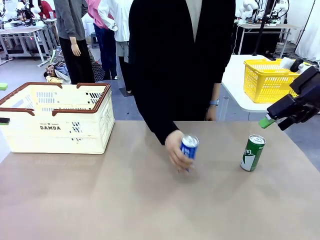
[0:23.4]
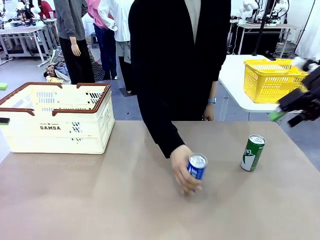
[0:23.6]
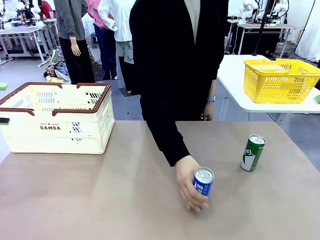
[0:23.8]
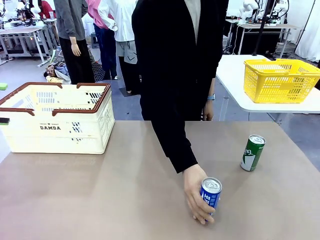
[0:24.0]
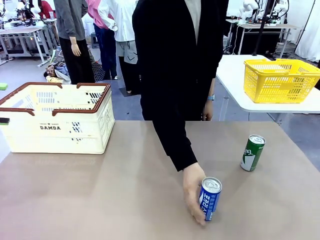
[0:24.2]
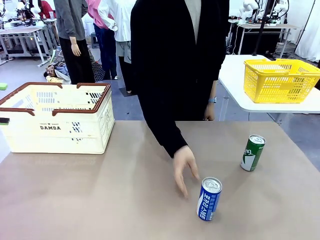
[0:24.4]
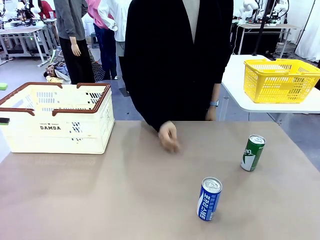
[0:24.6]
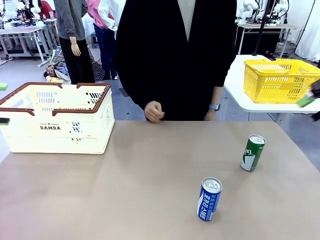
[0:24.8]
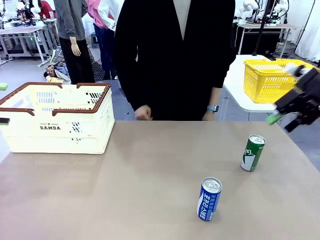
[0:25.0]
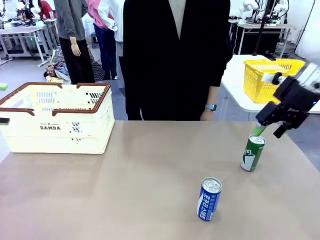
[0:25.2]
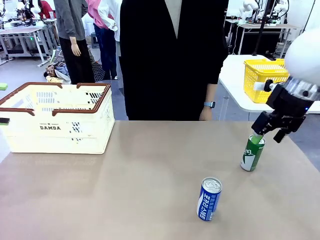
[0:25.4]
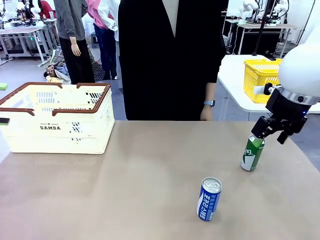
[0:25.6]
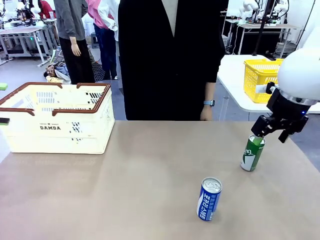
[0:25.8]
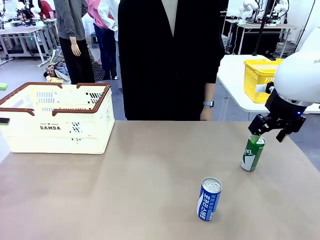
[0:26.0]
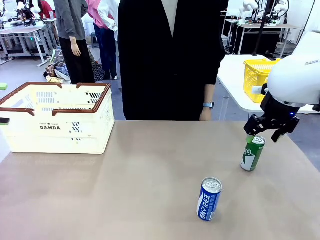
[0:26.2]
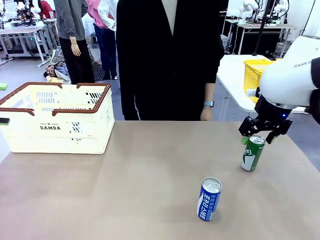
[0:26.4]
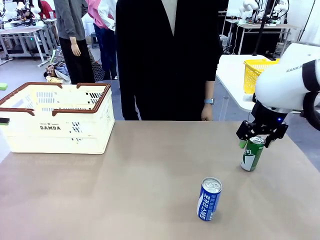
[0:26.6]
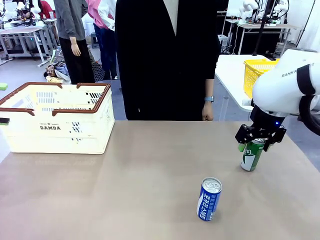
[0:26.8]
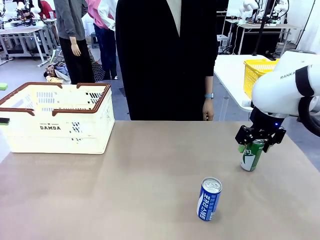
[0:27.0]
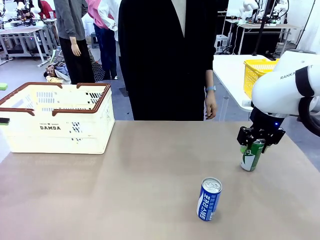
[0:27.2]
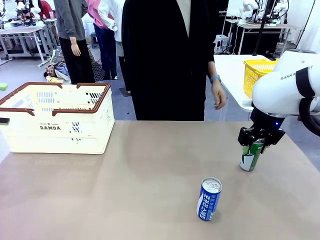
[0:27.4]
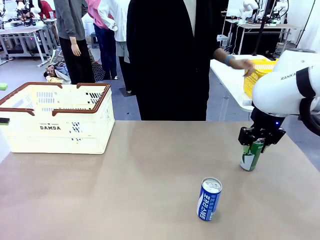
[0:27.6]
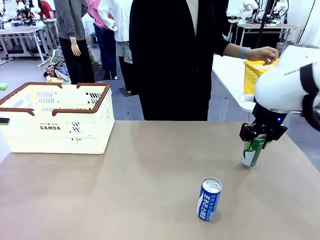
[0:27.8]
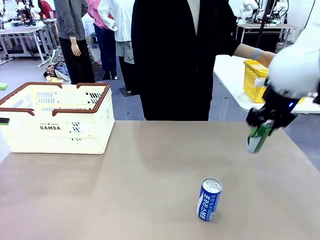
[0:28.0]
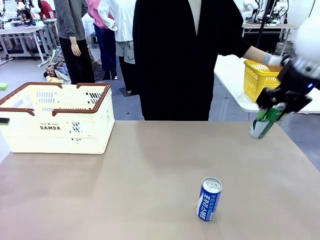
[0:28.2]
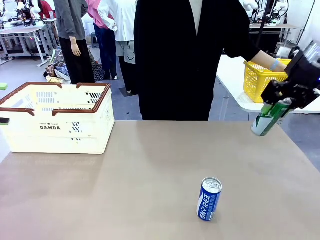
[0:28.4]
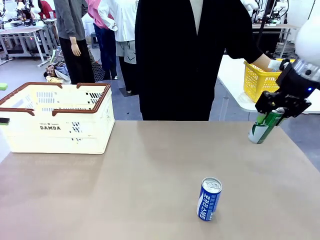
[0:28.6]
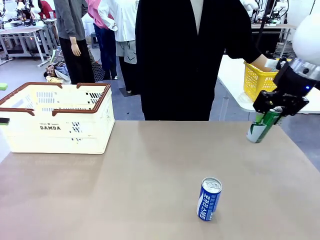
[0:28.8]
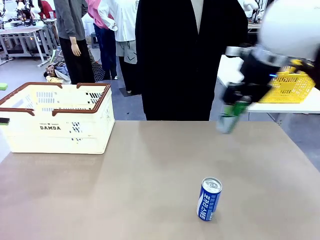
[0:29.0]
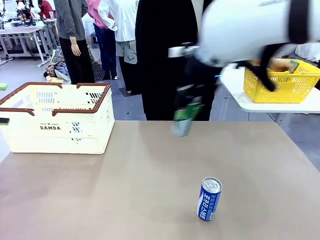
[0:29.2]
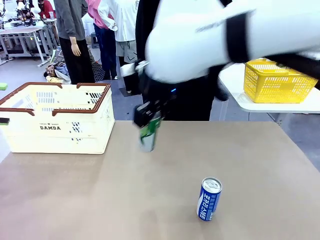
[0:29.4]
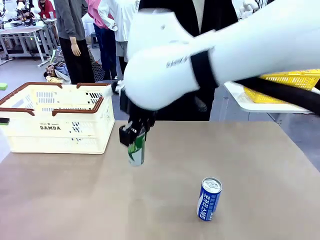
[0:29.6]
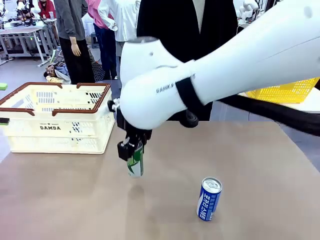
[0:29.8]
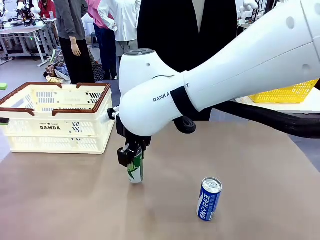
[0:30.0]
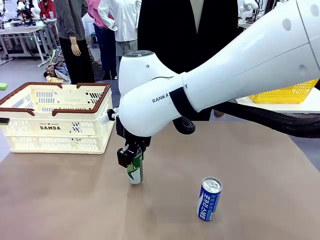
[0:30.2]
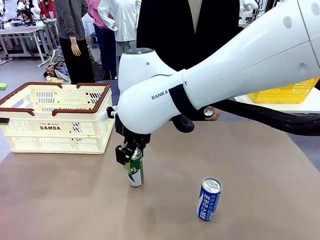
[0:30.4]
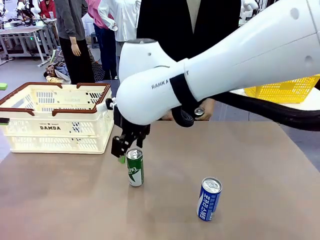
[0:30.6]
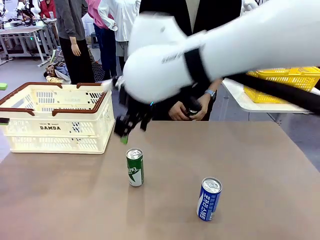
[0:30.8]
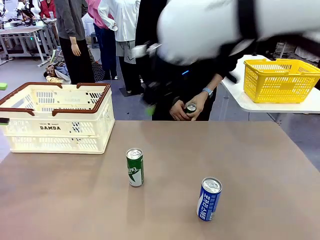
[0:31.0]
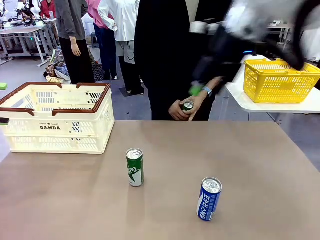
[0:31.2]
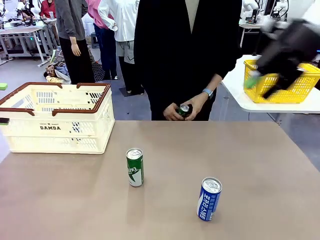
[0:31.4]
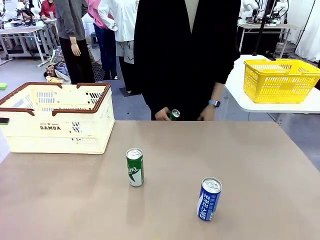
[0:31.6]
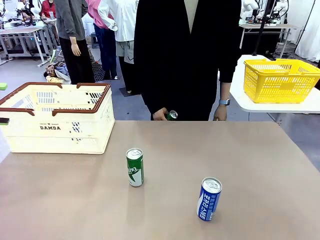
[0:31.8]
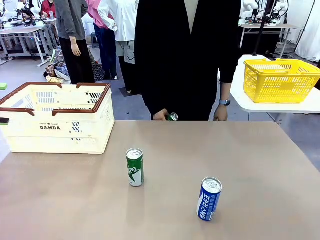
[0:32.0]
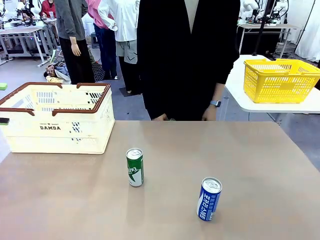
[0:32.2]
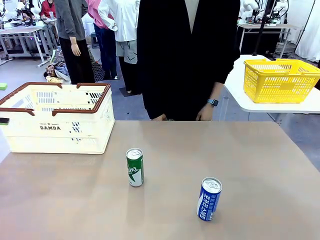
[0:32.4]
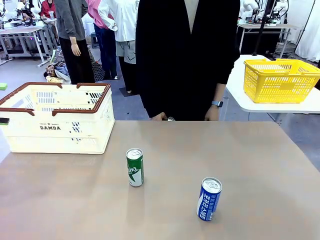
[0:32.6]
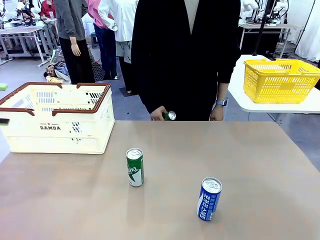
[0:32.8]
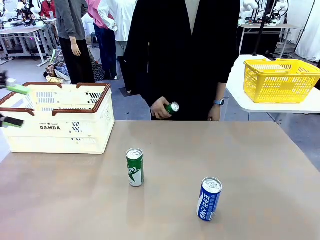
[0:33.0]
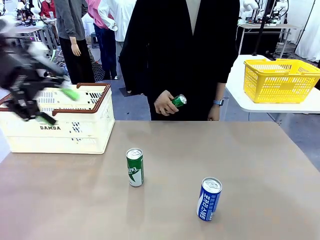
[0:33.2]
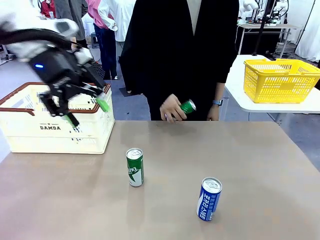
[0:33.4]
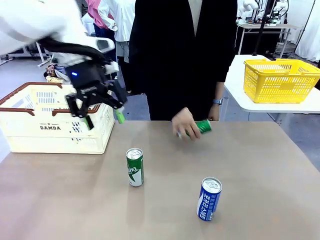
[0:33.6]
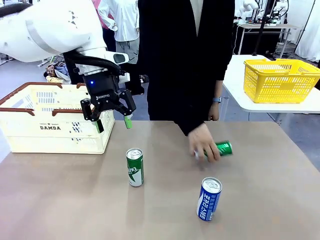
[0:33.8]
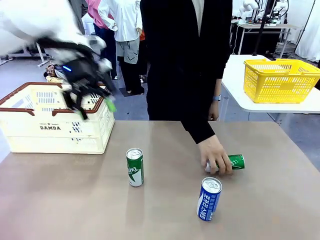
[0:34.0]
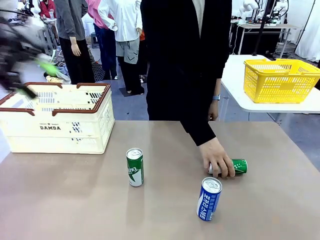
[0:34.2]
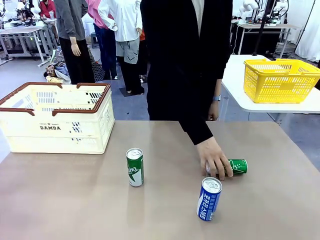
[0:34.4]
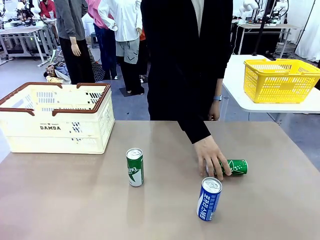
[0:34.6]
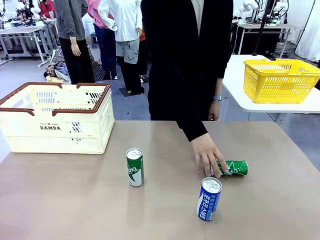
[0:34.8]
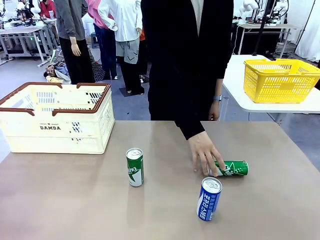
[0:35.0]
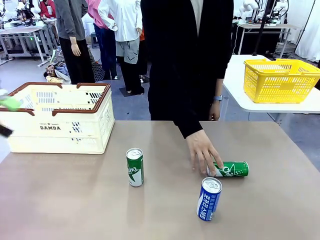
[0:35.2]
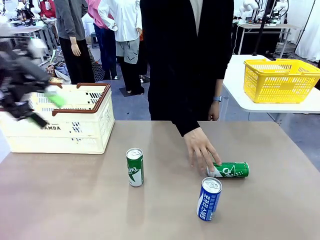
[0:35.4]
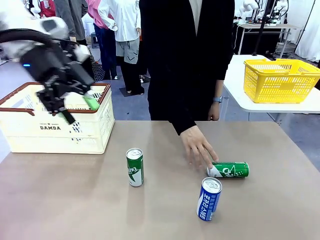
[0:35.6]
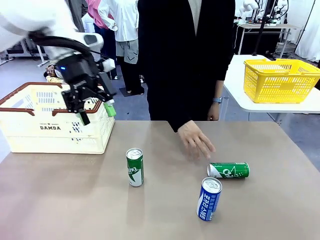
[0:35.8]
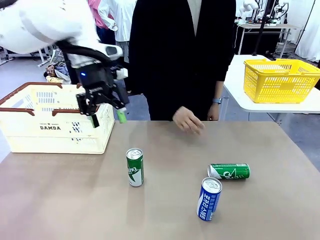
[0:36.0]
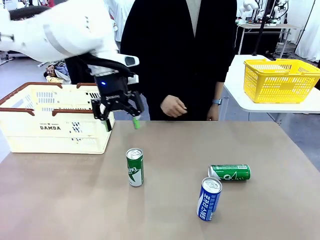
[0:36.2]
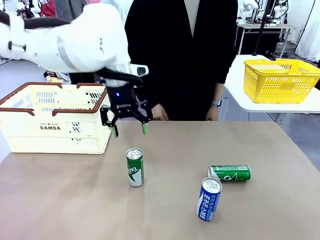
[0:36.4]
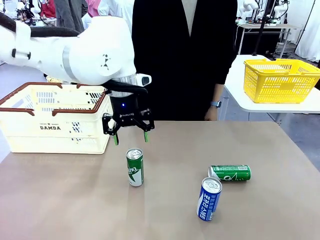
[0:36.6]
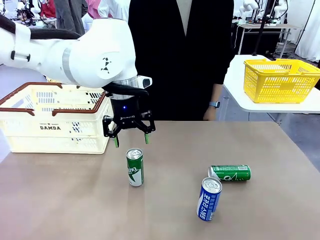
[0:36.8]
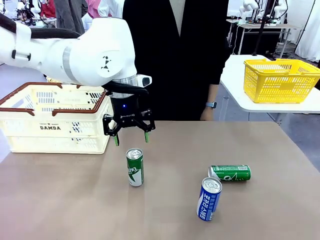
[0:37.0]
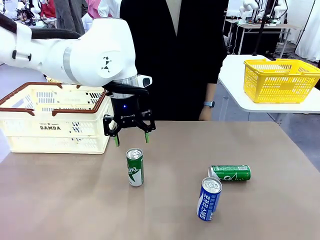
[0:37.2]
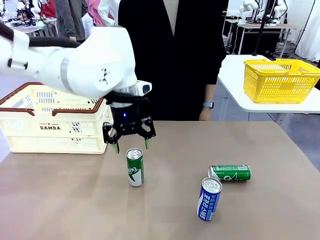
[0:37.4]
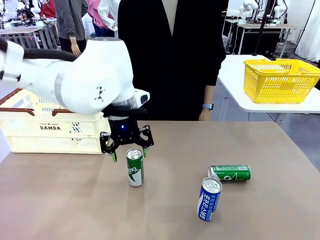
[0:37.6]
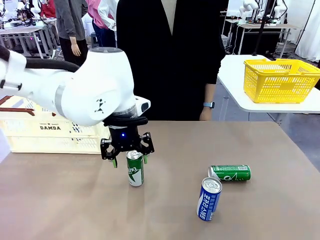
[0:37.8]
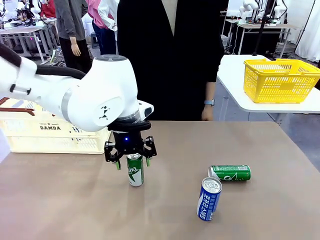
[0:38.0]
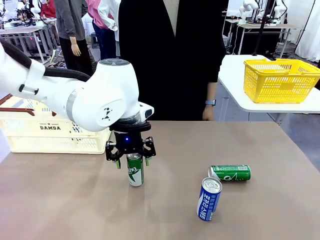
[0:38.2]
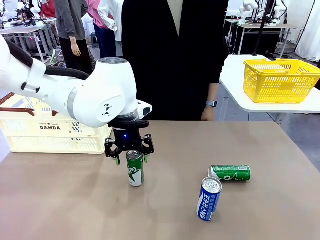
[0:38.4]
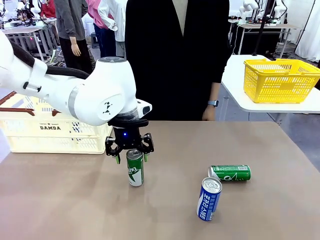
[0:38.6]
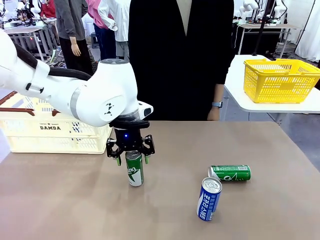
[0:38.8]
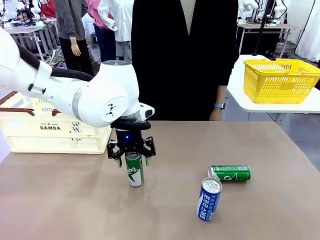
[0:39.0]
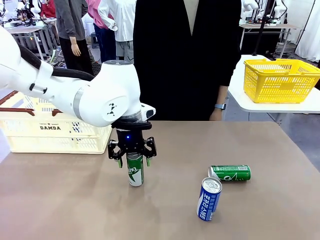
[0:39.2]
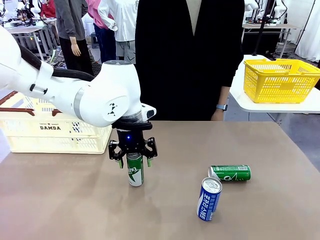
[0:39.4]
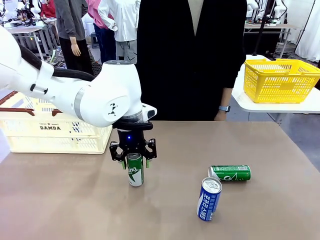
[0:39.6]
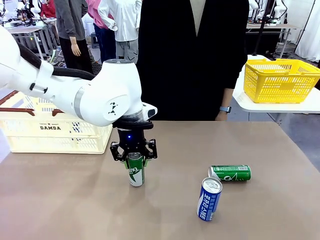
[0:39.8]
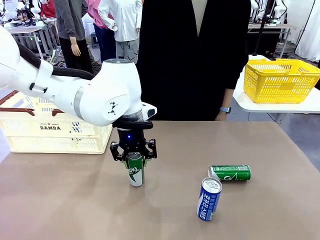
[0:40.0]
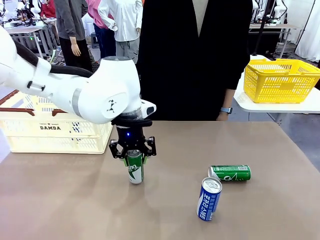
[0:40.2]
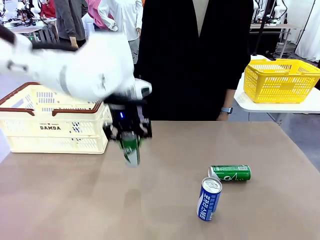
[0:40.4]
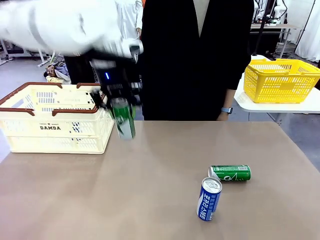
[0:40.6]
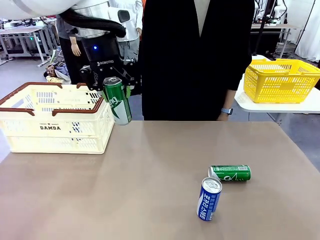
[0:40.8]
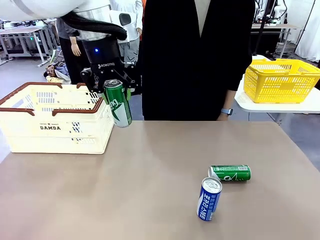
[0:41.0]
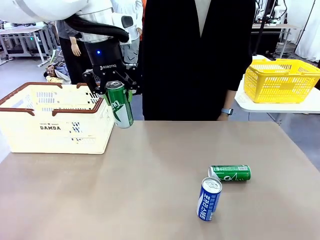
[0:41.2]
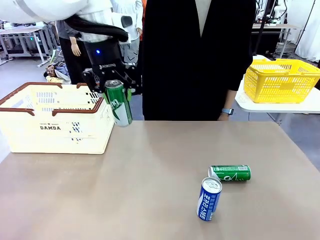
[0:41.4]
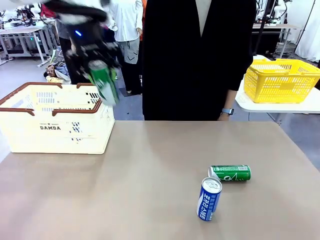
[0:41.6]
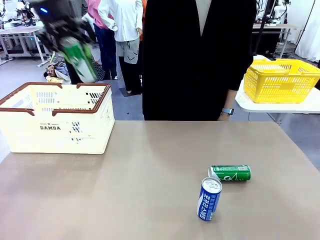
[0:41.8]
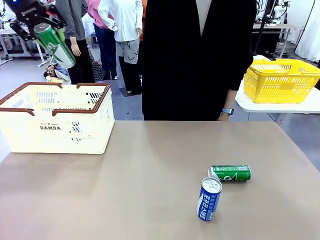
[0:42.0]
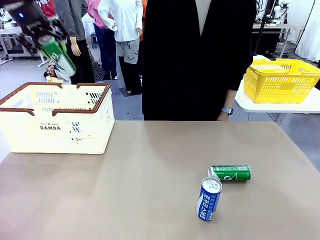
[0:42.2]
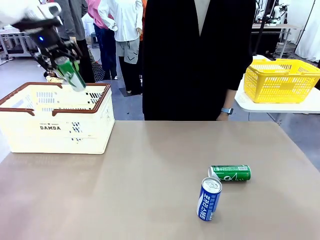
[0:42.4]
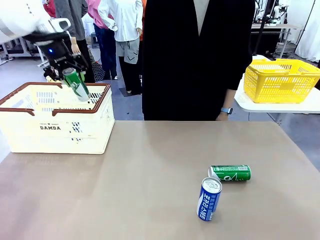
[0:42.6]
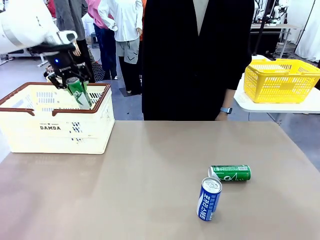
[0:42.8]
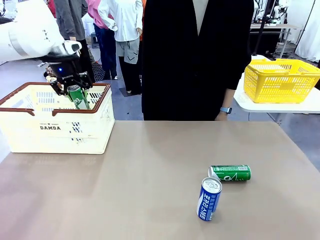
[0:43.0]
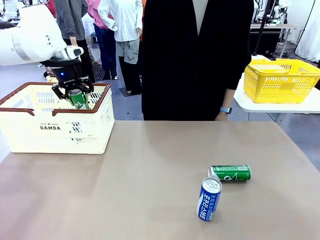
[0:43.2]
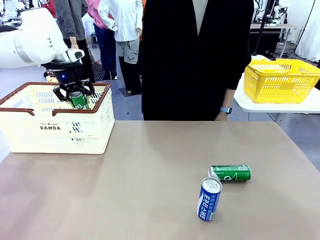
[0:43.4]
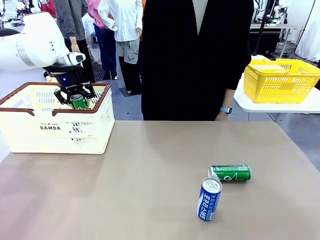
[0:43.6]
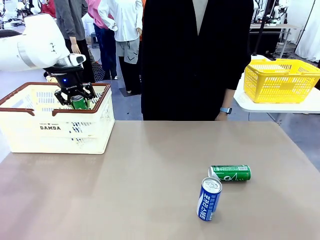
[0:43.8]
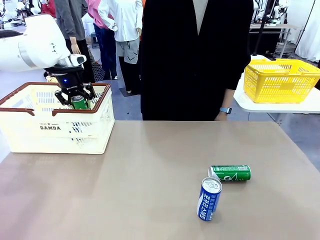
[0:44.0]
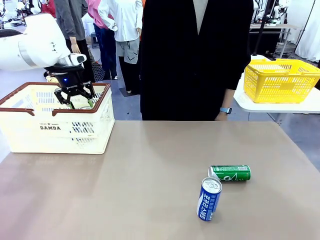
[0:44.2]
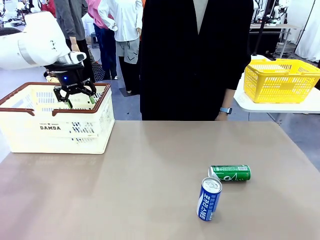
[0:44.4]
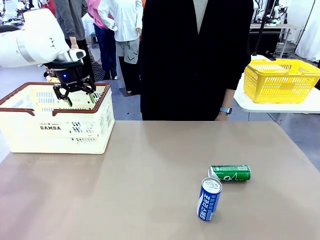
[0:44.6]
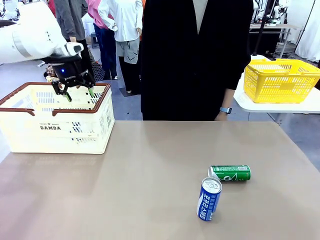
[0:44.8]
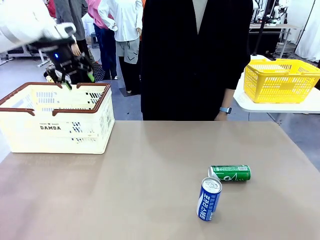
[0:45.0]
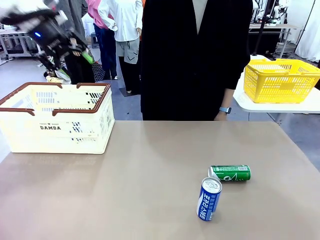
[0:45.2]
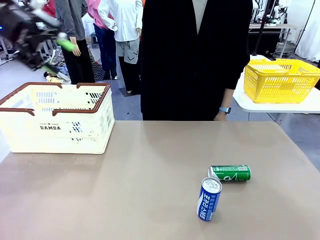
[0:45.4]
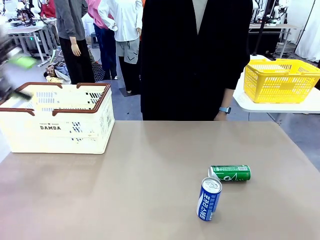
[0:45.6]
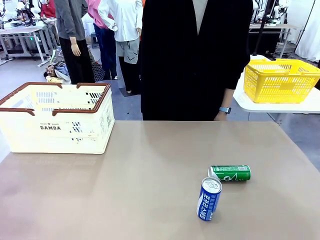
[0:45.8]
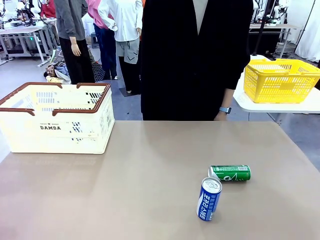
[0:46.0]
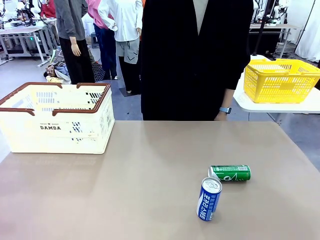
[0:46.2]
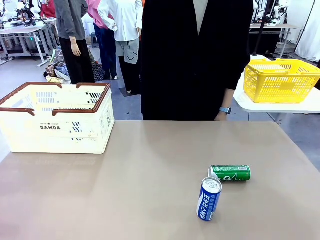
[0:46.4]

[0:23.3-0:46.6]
Task: Place the drinks into the Shopping basket.
Robot: Pick up one drink and place it into the Shopping basket.
